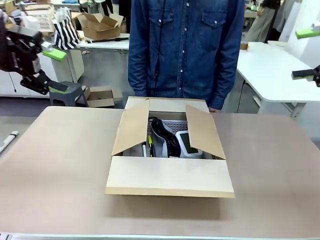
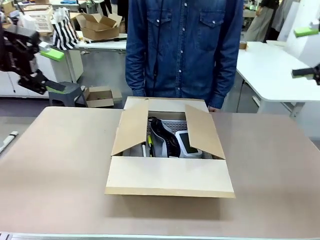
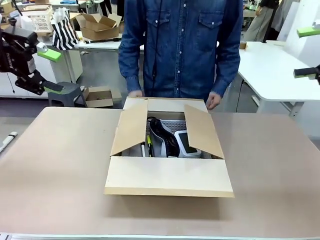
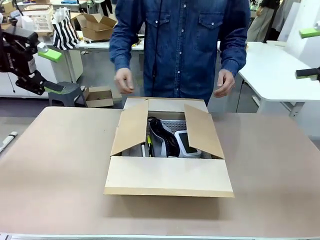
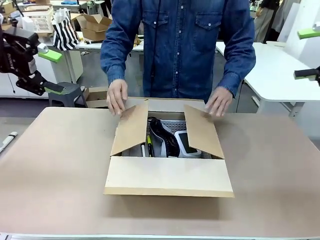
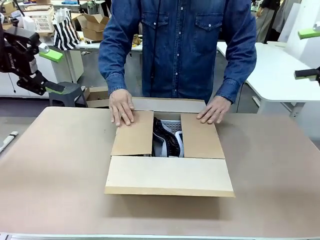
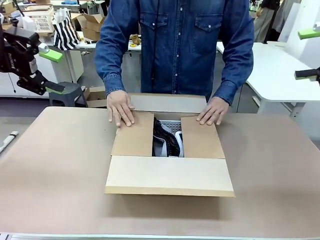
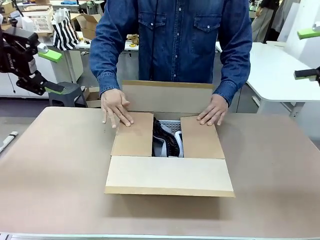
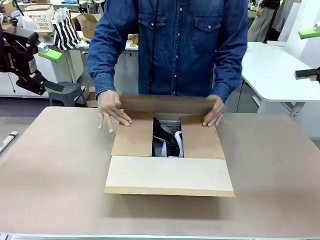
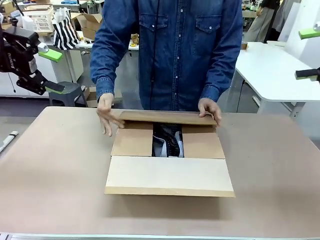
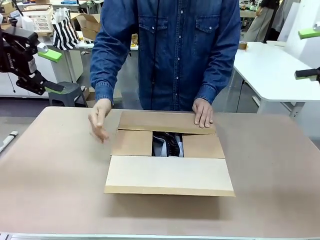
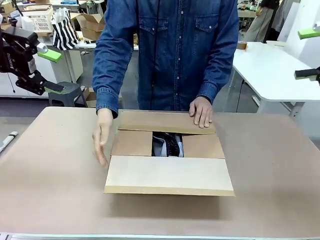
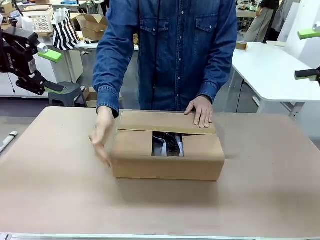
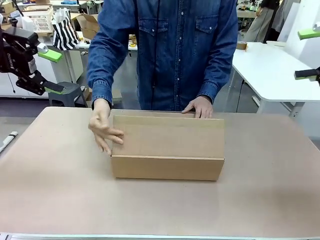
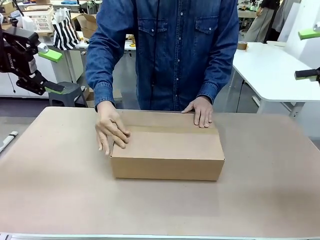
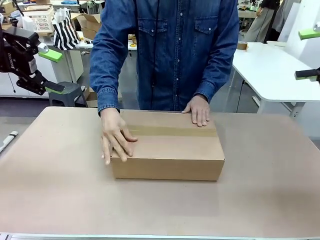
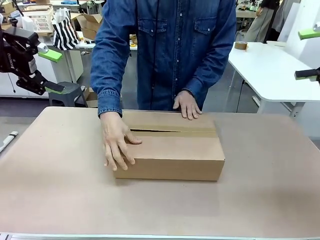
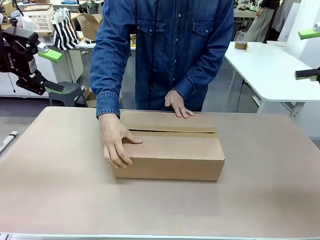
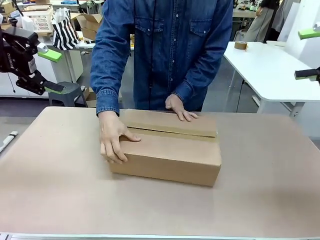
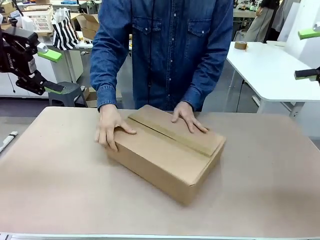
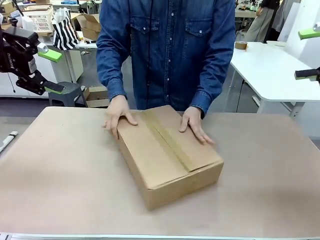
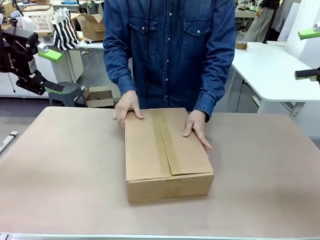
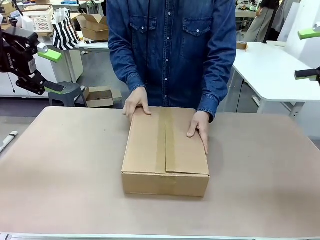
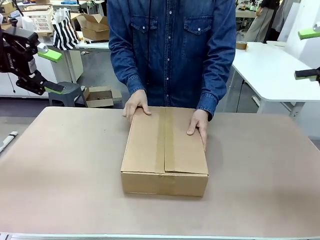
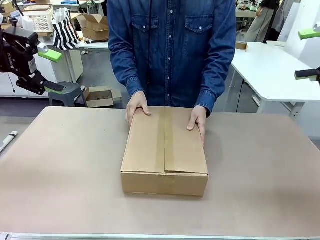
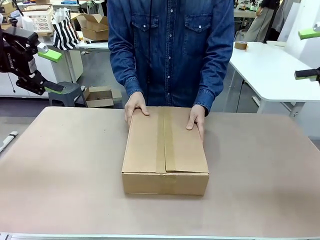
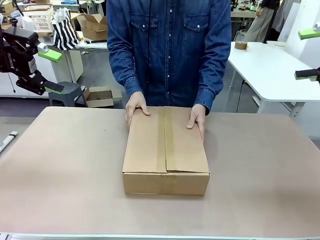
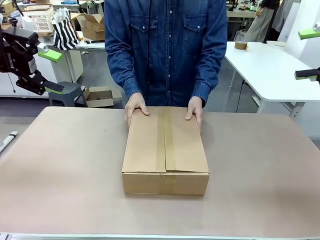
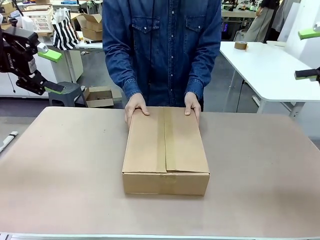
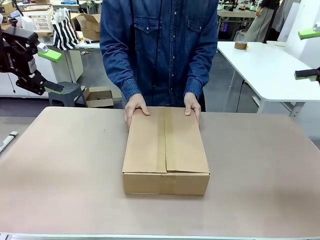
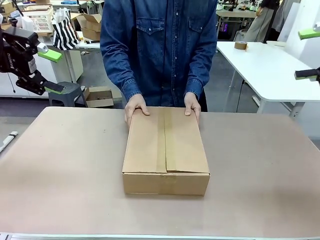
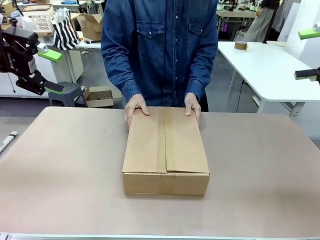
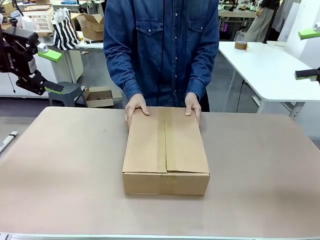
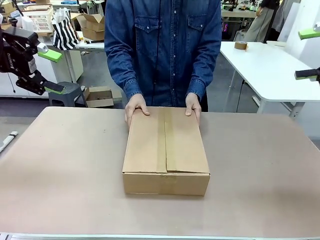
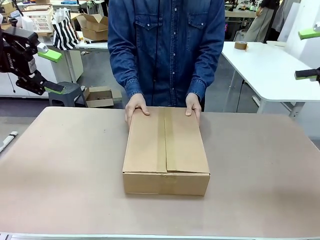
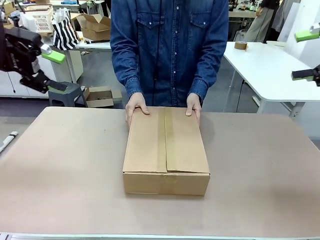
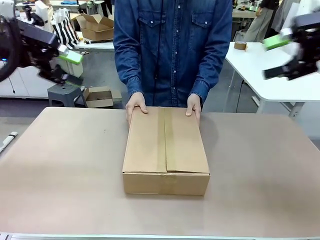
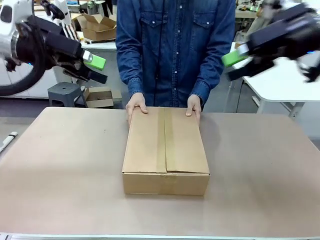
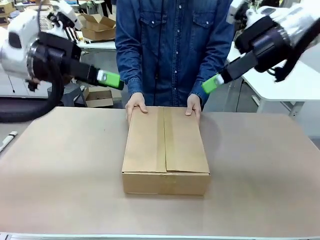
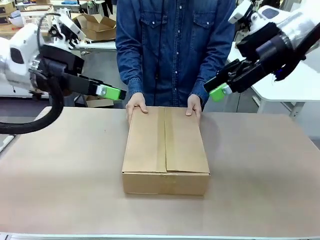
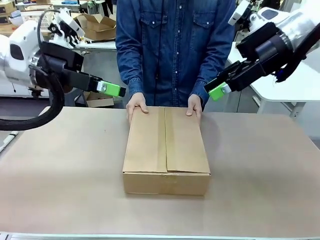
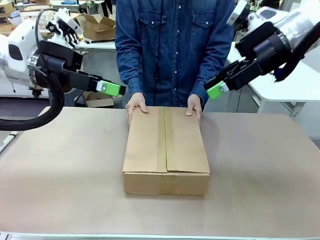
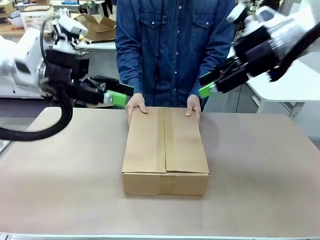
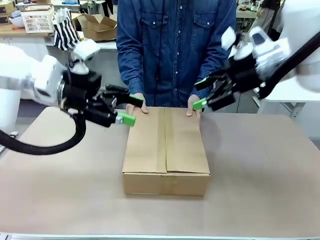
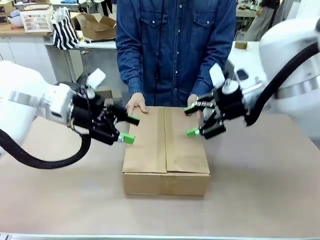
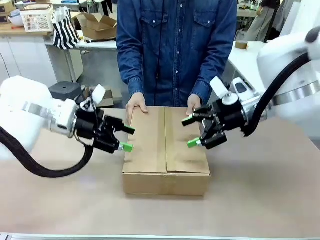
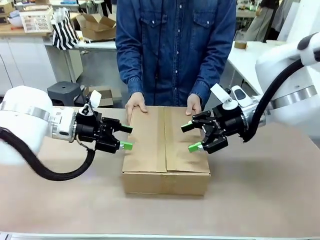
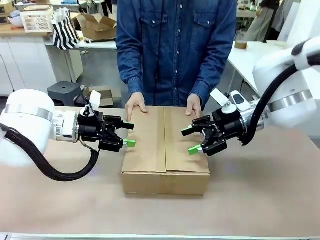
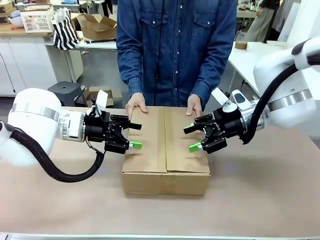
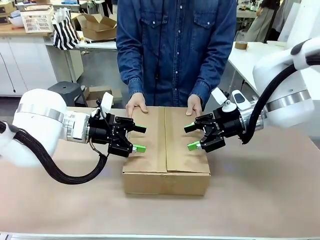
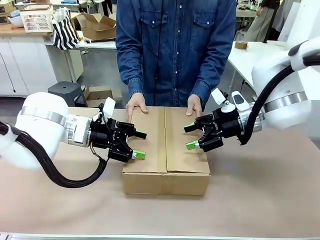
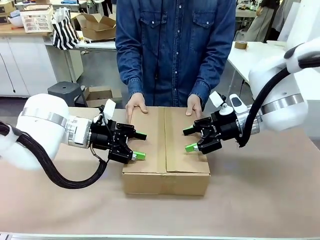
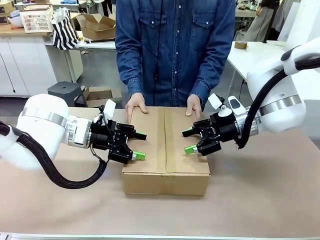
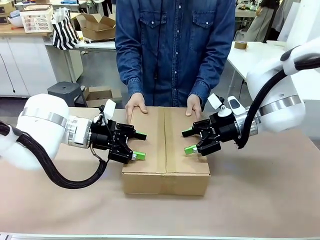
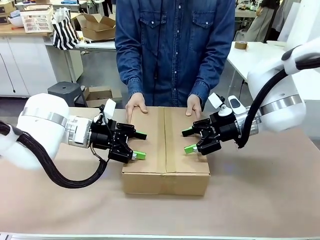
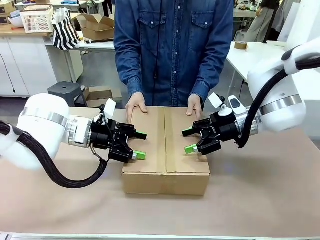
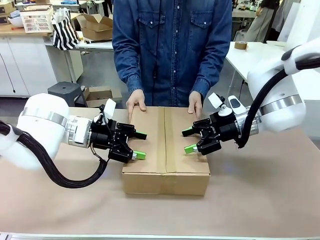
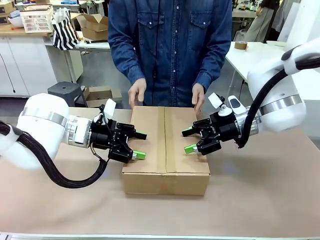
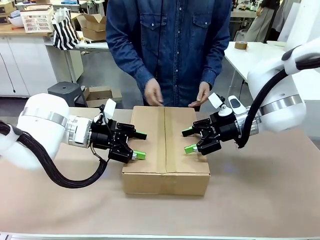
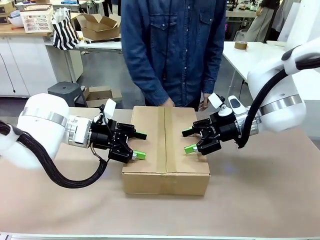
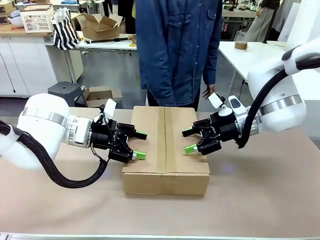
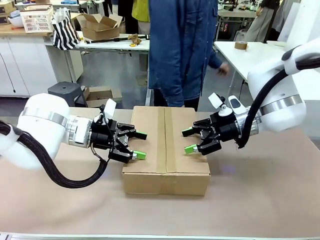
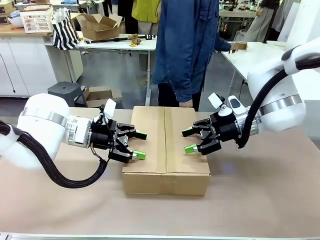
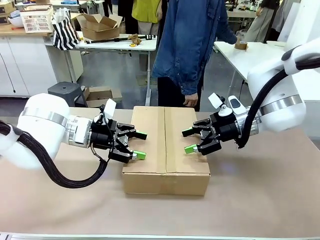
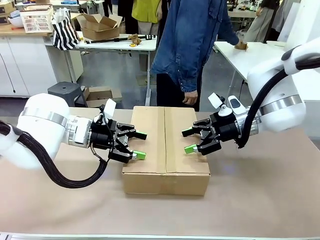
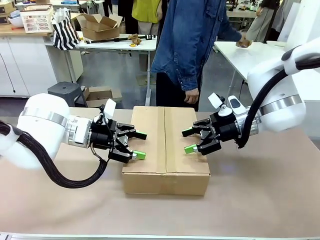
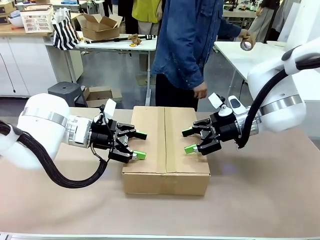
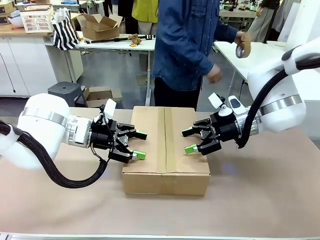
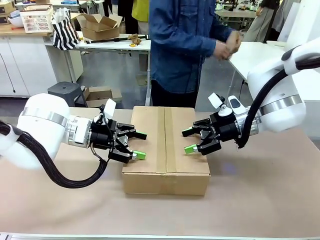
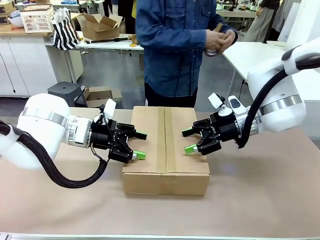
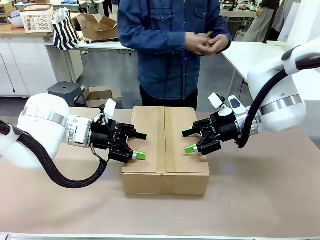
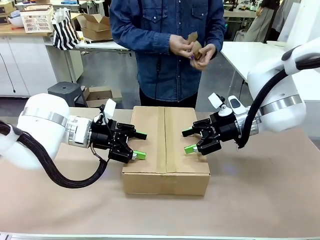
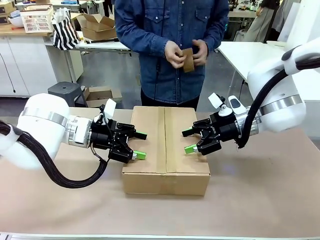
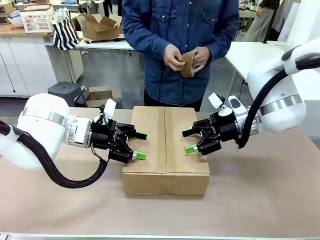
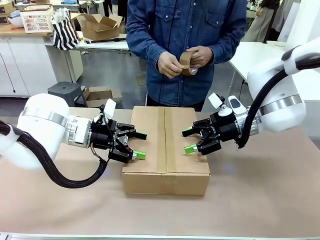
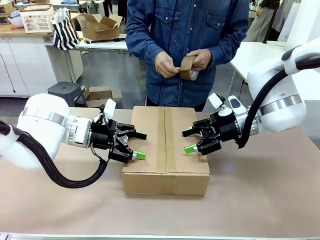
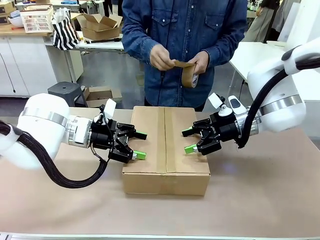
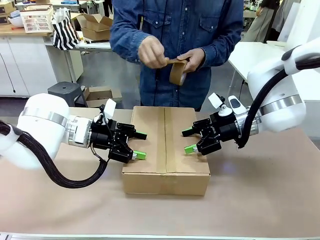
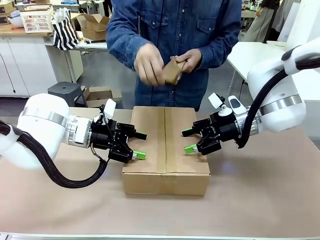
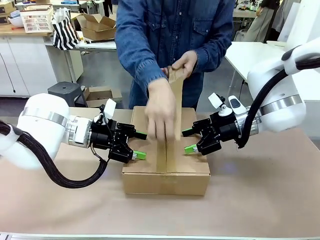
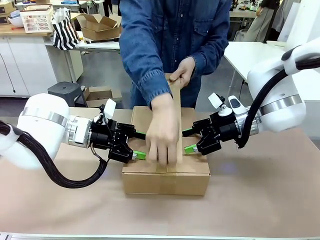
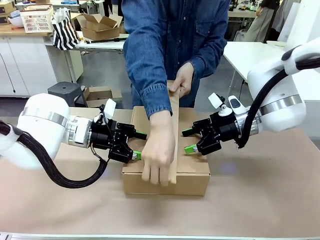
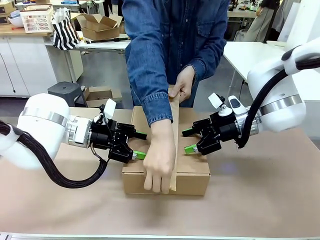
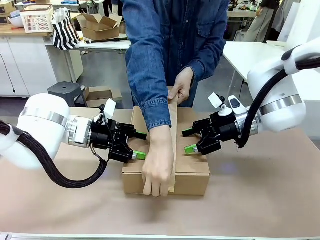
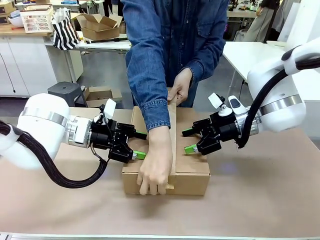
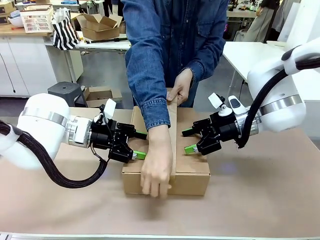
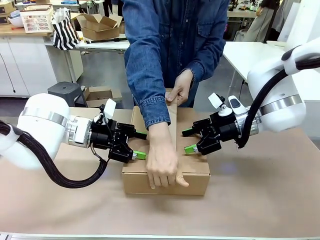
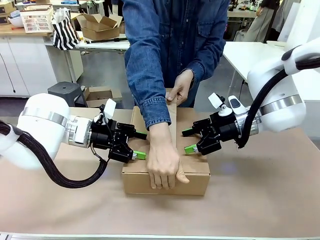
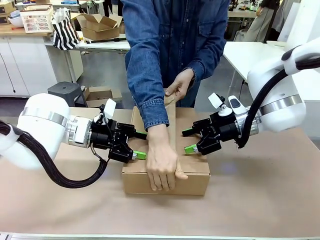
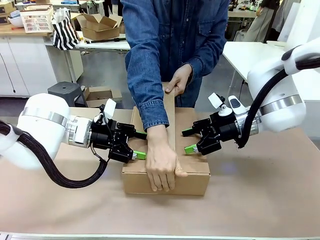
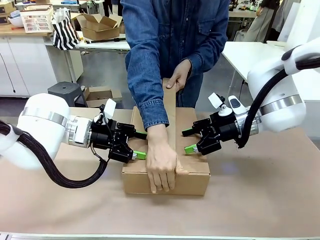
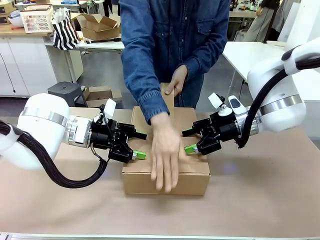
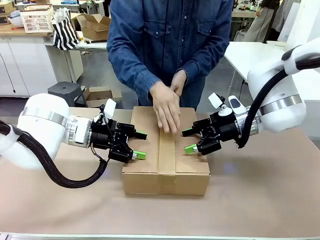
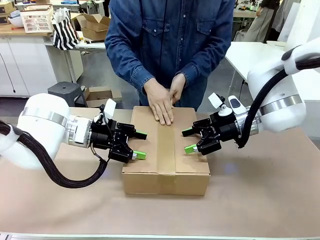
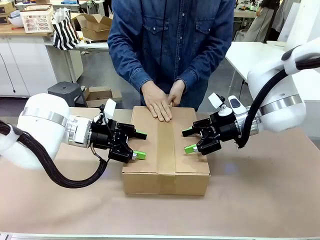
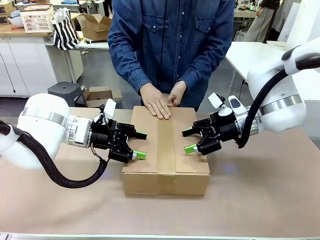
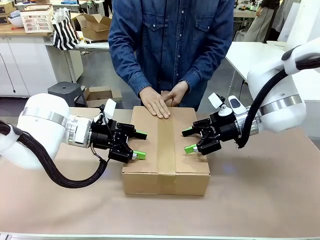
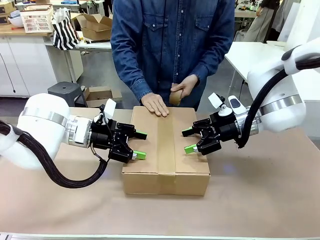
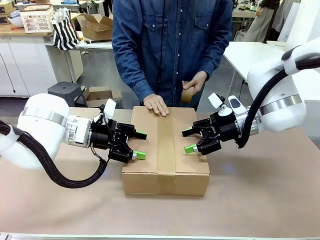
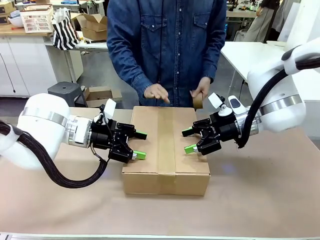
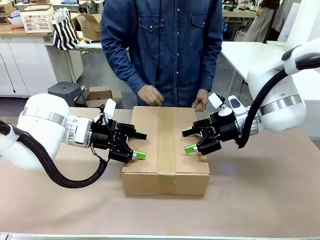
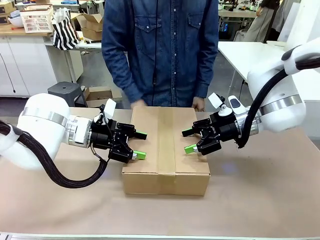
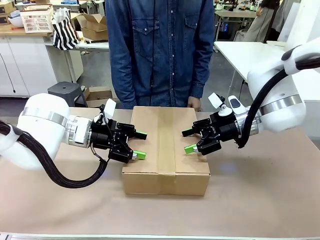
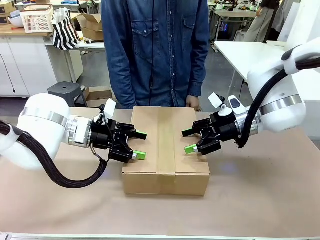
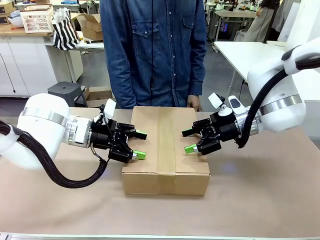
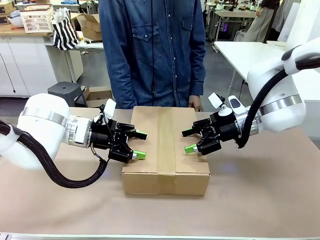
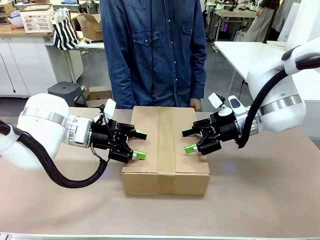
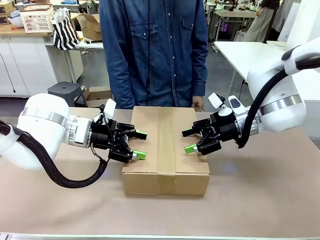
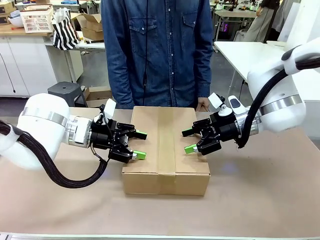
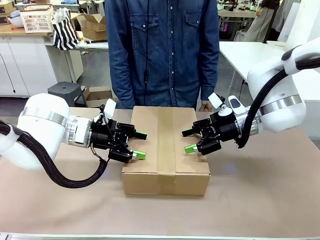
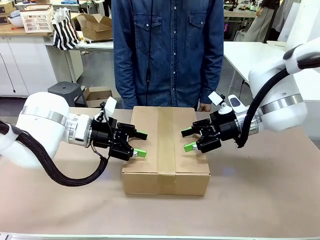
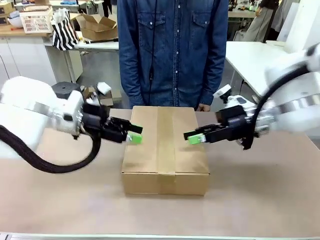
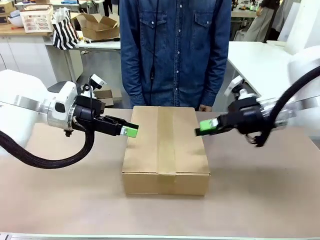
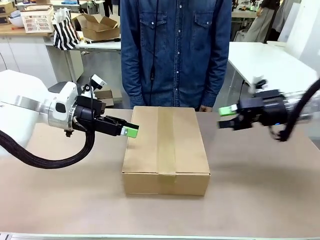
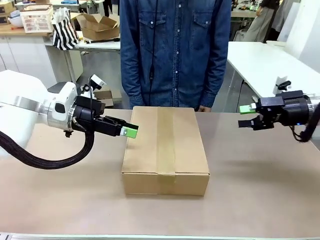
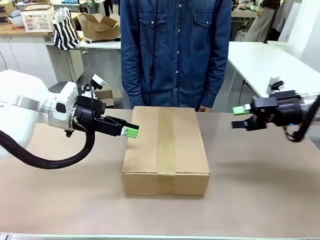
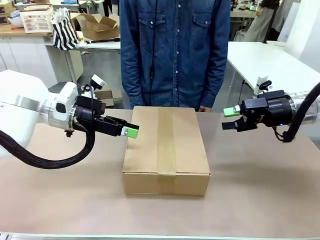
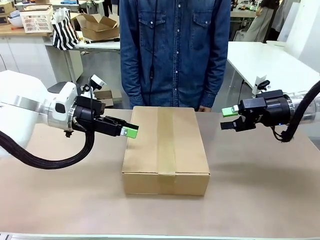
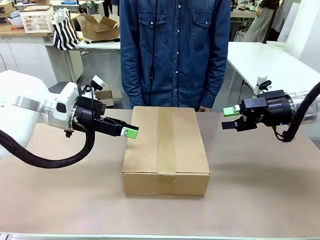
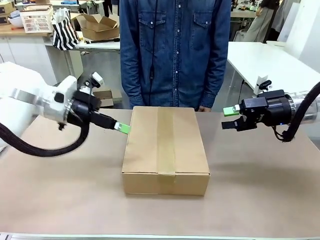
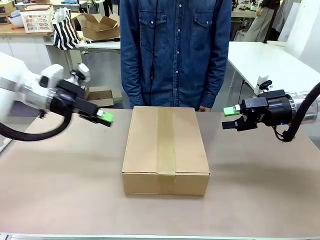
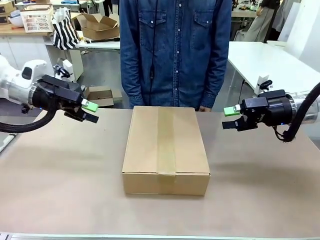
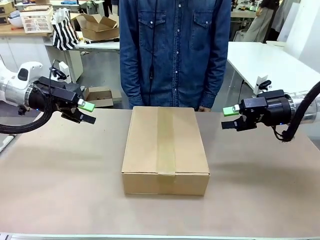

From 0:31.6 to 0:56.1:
Task: Pack the gift set into the box.
Robot: Press and hold the closed box until the human finishes sealing it.
Person: The human closes the box and rotates the box by 90 degrees. The human picks up the paper tape from the human table and packs the box.
